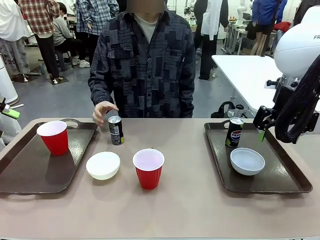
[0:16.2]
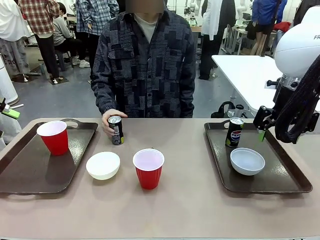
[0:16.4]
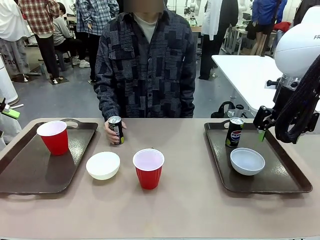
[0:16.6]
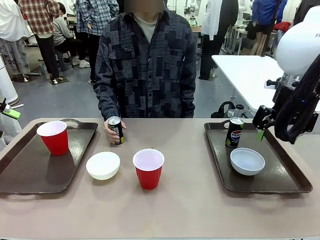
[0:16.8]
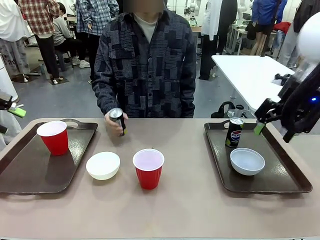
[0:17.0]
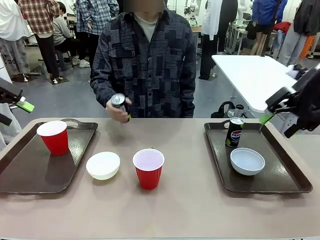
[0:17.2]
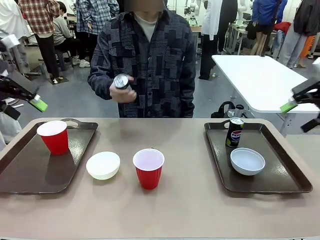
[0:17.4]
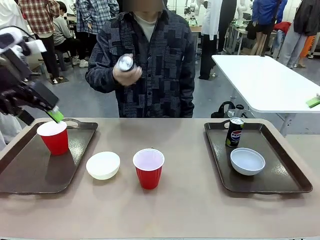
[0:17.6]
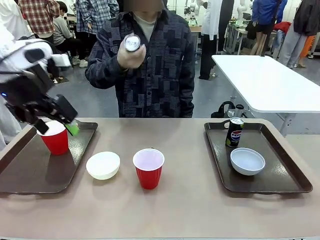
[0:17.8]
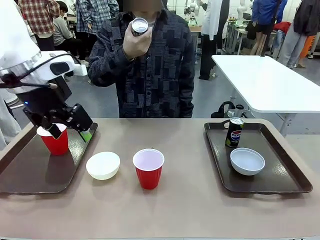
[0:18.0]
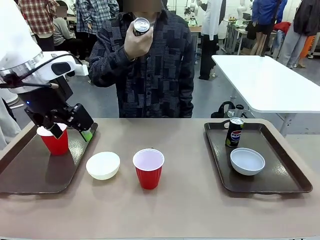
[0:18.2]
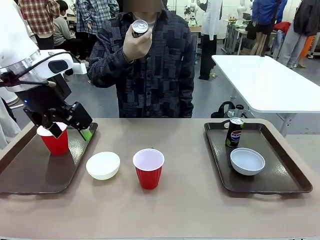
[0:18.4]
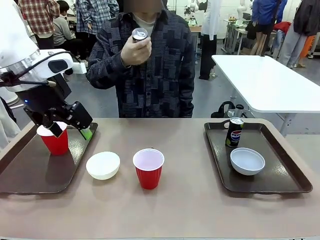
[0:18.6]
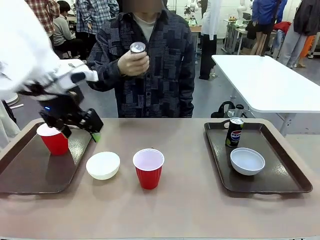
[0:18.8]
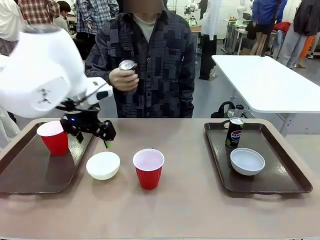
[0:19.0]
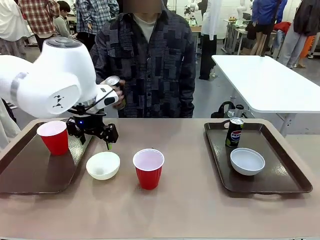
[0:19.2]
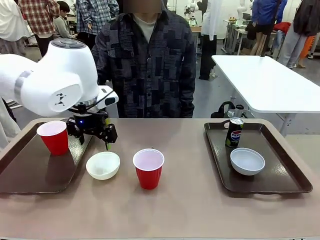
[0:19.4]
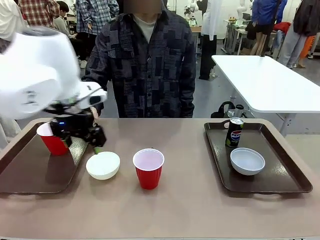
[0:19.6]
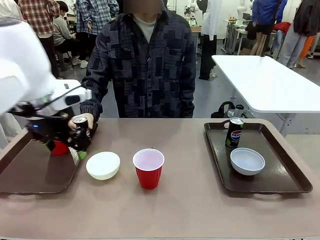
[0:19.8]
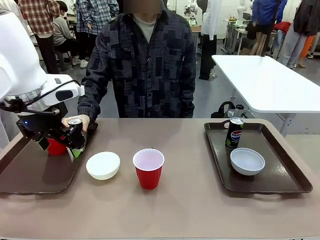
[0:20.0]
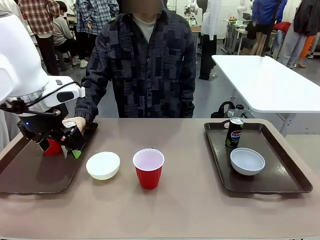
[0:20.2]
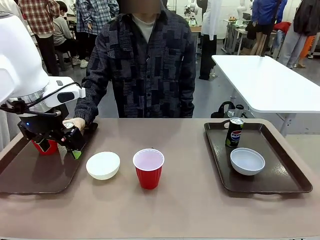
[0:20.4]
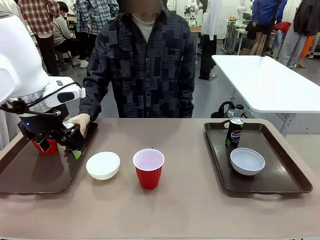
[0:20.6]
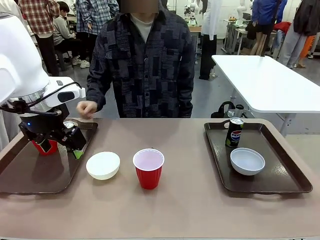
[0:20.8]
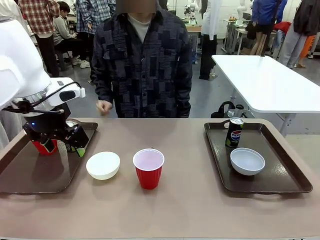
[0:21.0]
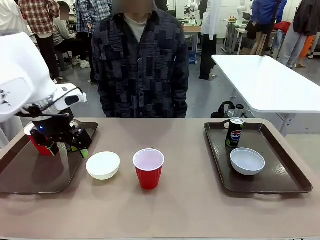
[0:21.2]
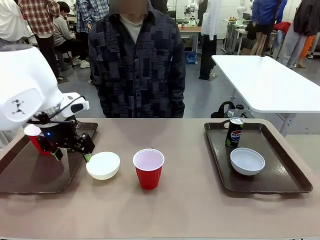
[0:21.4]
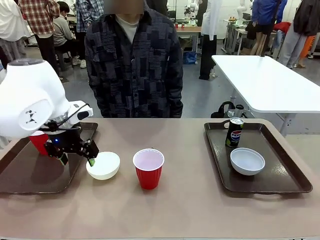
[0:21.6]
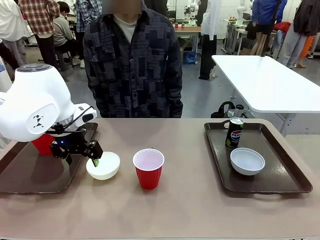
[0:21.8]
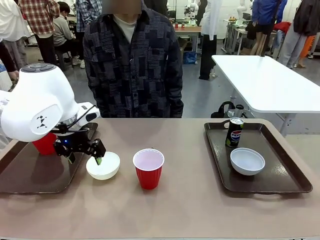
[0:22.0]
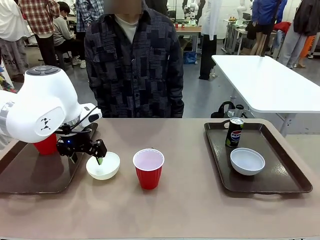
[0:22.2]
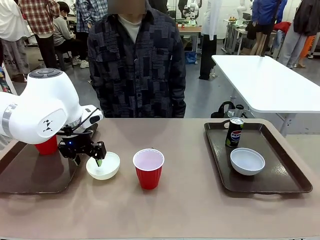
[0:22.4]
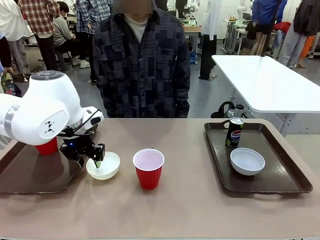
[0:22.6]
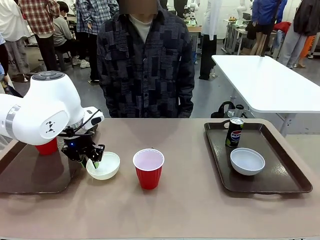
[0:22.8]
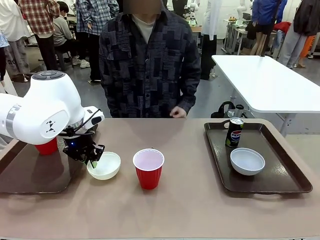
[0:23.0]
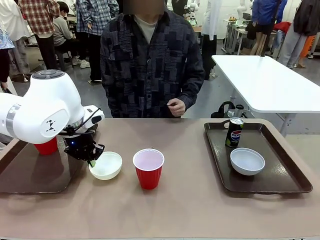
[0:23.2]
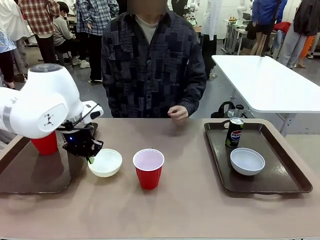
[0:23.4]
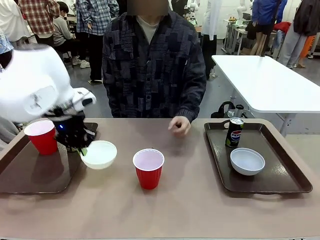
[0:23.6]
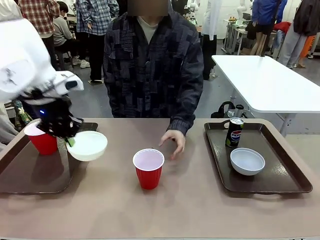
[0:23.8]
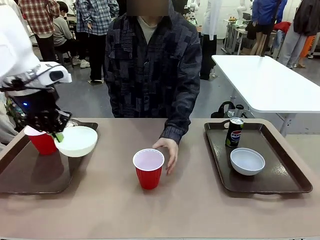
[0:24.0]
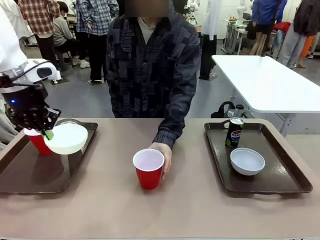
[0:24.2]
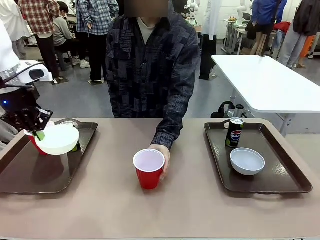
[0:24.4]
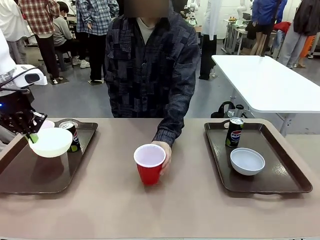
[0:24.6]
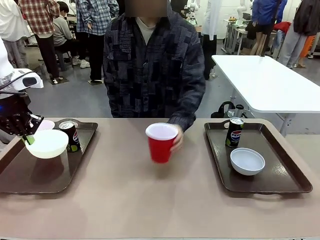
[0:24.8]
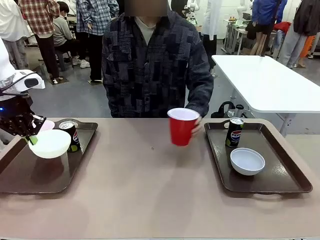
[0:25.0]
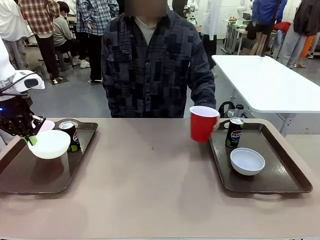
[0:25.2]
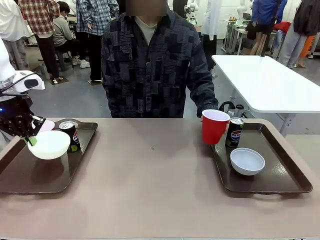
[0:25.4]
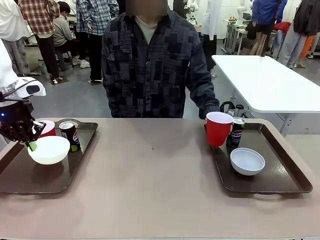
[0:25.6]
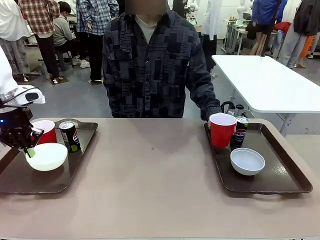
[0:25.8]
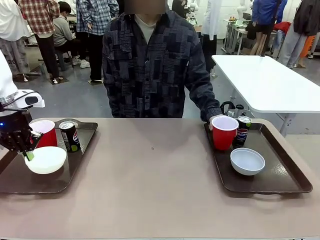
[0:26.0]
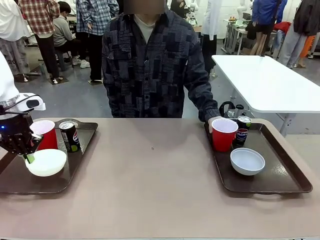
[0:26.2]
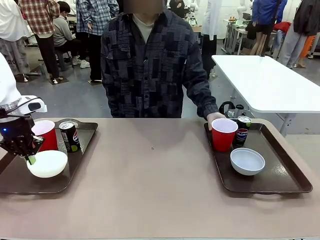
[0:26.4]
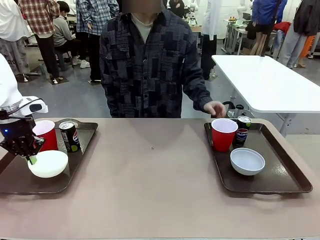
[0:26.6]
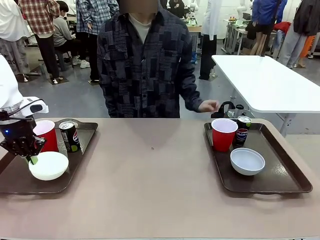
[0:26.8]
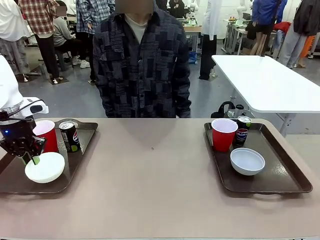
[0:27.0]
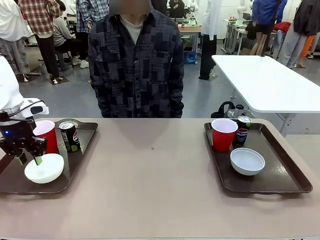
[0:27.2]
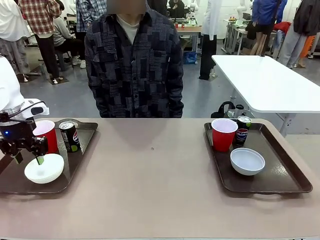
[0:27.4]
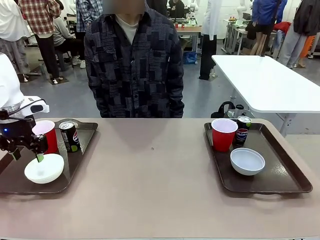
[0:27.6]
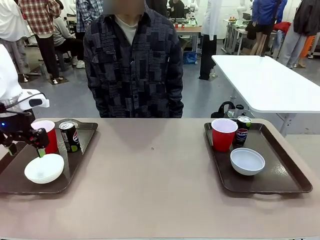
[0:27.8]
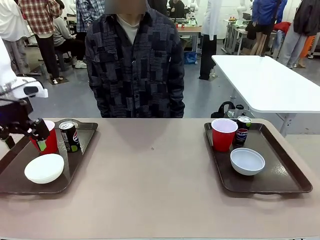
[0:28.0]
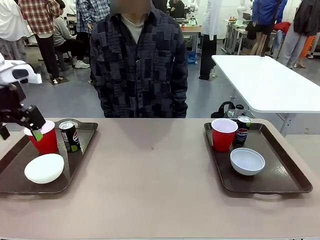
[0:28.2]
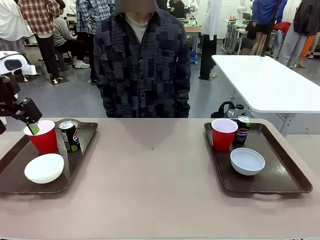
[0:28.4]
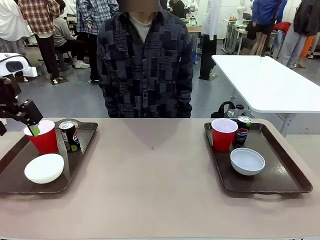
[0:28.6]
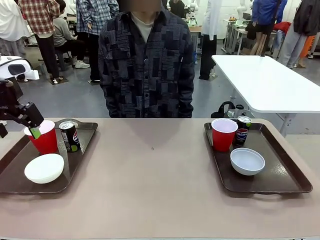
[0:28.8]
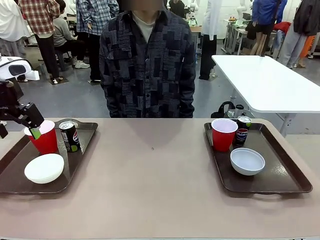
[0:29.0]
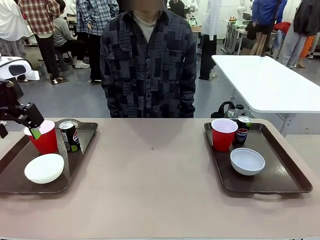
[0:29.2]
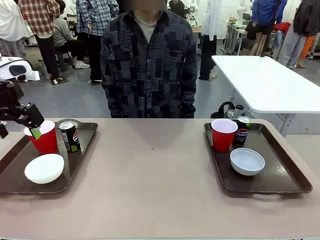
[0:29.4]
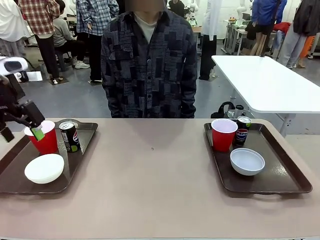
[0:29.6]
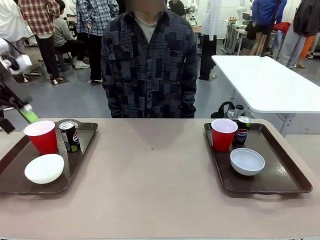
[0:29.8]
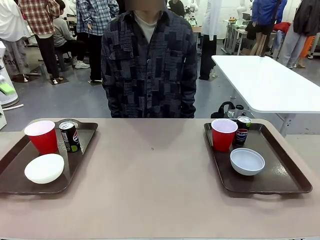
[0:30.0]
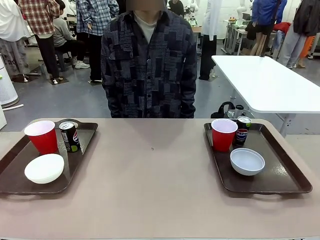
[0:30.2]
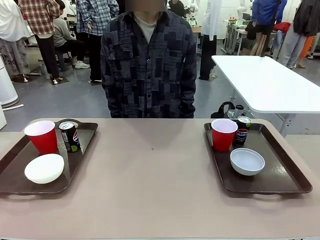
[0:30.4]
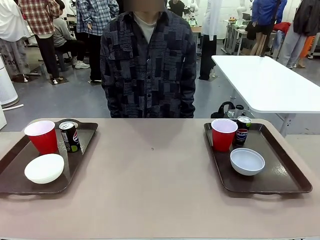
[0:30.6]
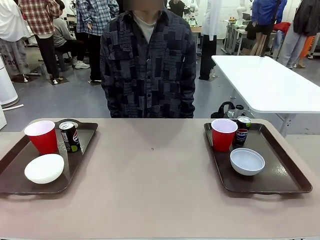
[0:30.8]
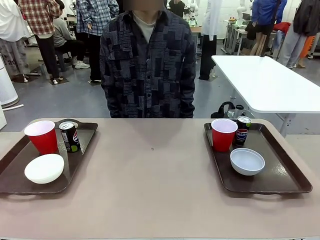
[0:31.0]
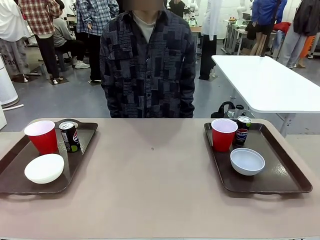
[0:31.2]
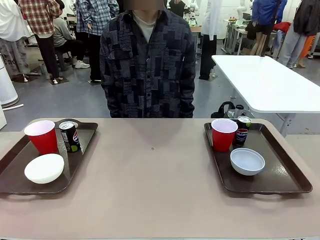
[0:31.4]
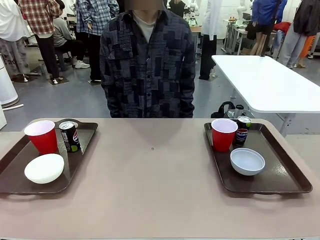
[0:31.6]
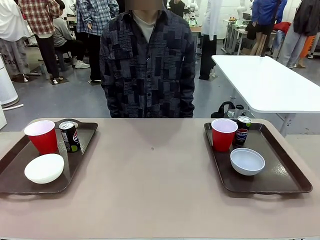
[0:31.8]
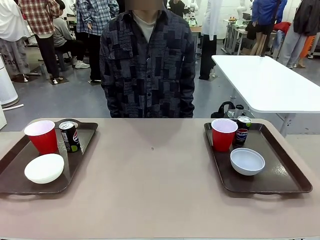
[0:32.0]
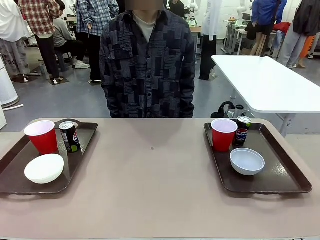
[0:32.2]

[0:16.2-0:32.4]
Task: Prepare tableware on both trays.
Robot: Pick up a Picnic Bowl from the table and place it on a Handle tray.
Person: Pick up a can or cup and place it on the tray without a can or cup.
